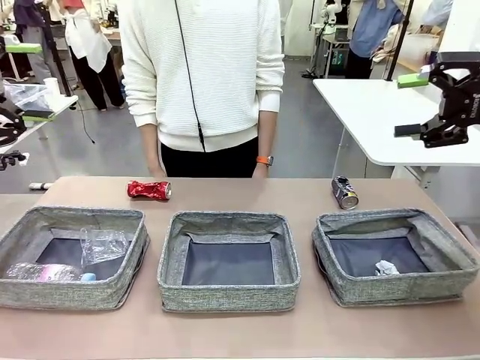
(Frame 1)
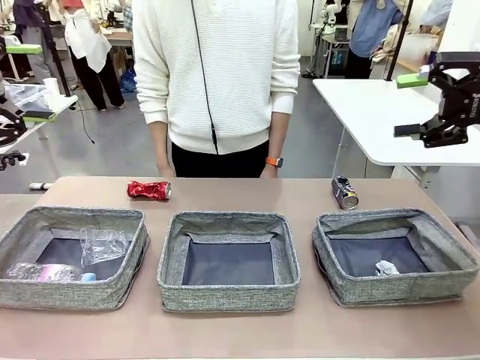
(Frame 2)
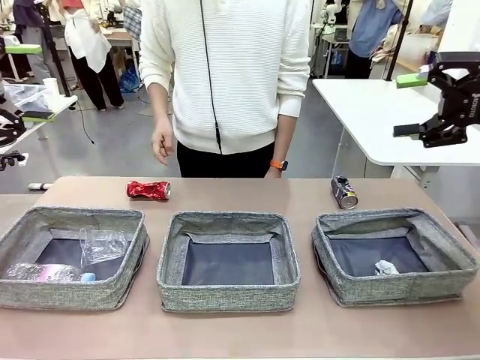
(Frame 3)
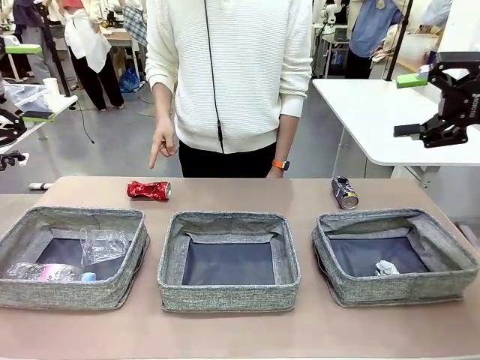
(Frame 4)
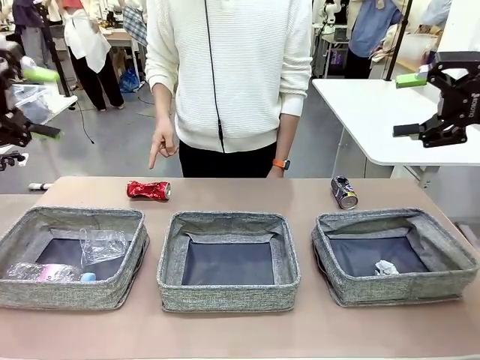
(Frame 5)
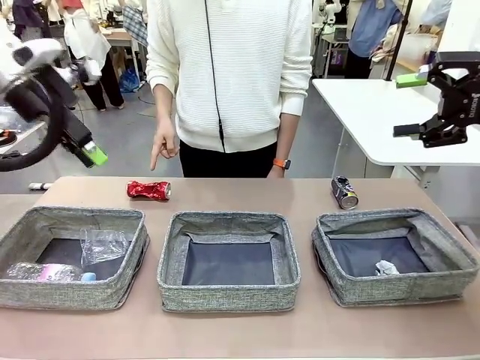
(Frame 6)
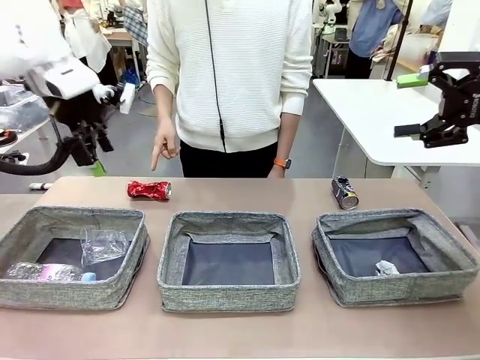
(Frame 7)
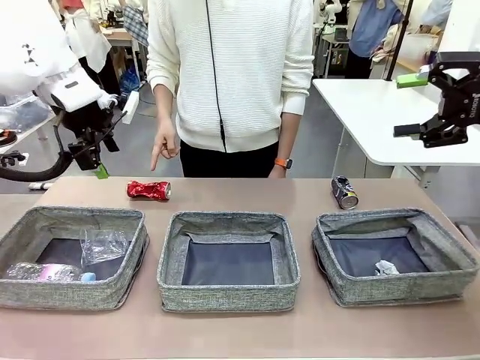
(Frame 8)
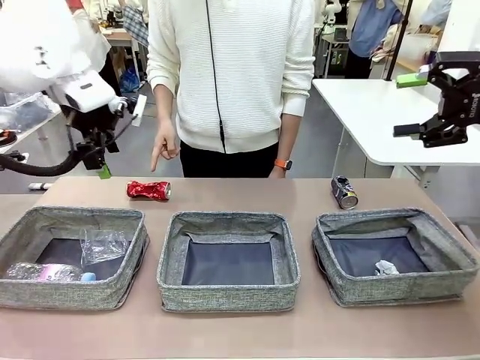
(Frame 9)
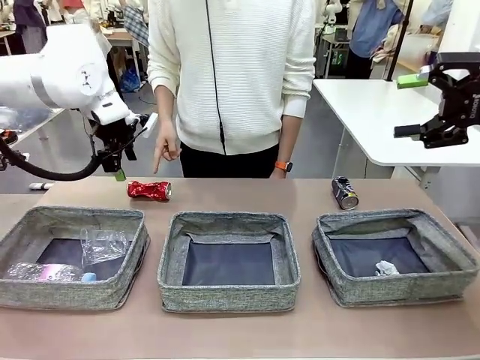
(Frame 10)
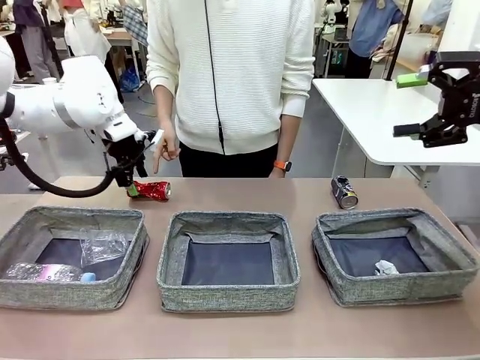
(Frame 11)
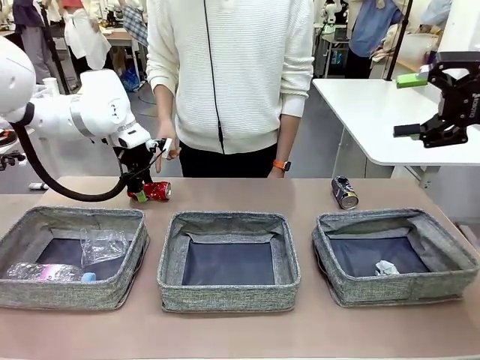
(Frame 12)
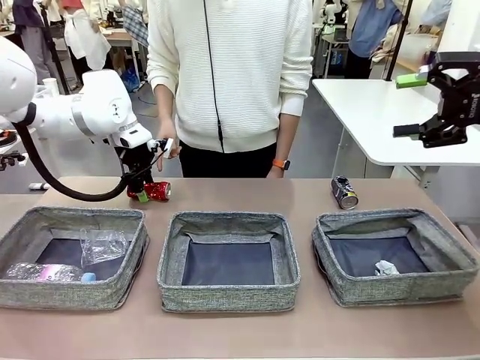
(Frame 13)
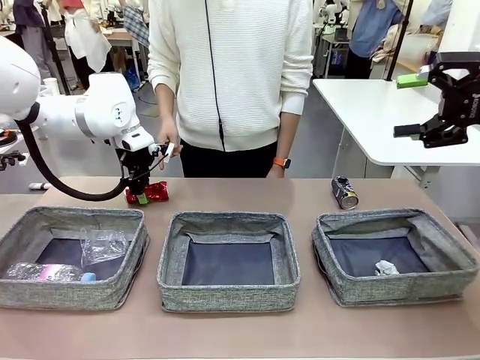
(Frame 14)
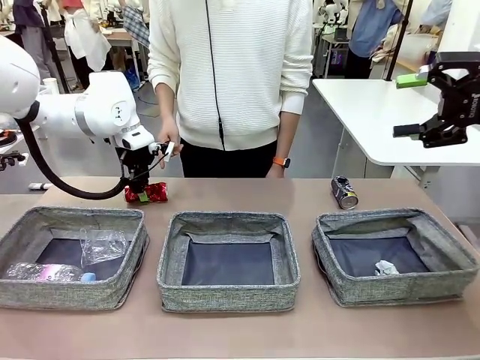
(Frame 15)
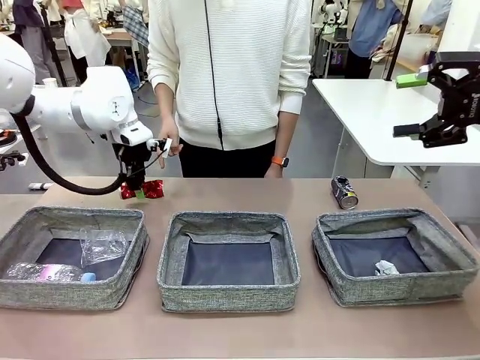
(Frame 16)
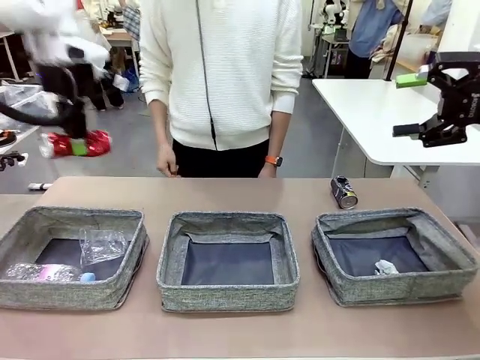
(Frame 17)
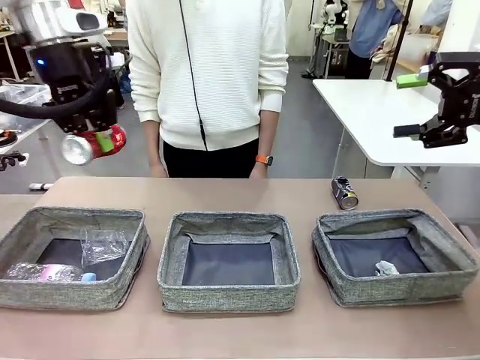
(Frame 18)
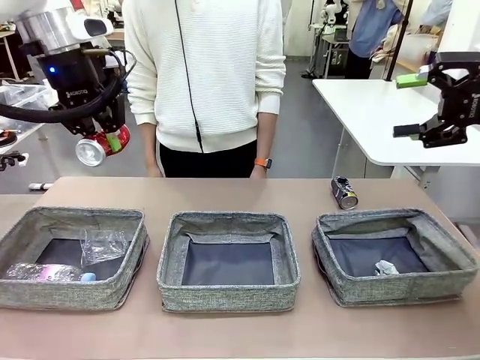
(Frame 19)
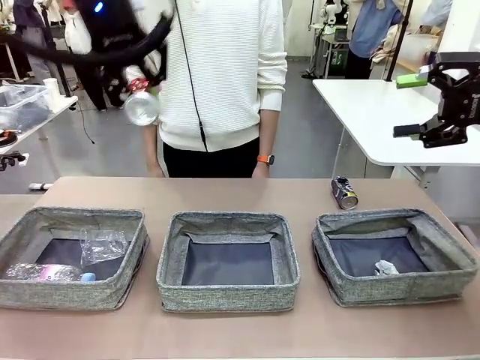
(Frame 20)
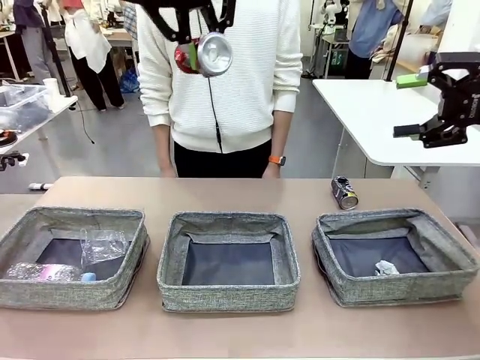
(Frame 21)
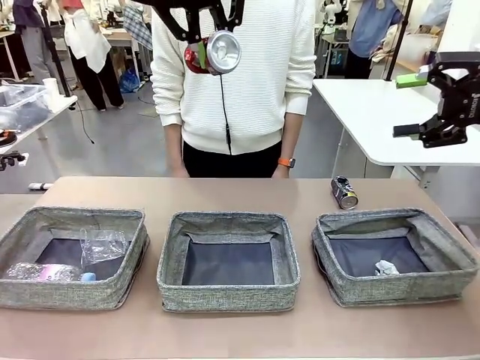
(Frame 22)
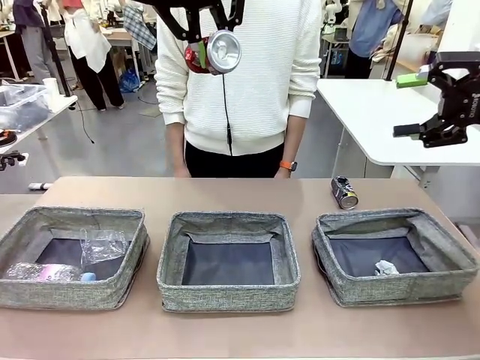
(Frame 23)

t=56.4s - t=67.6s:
Task: Sort the waste into the appropriate baskets.
Robot: Pick up the waste item pointed out by the person.
Person: Points to one piece of trash on the table.

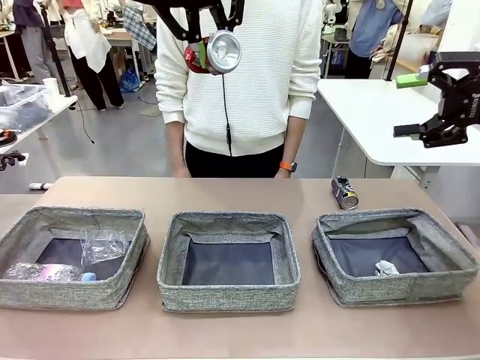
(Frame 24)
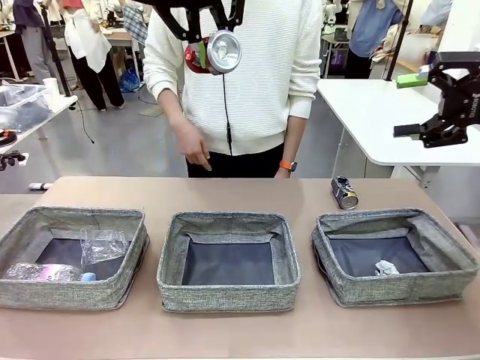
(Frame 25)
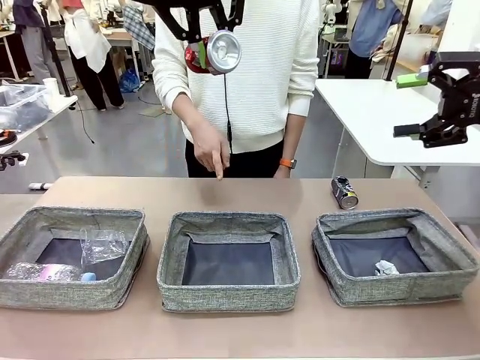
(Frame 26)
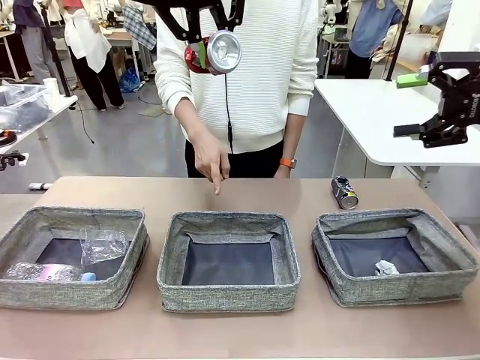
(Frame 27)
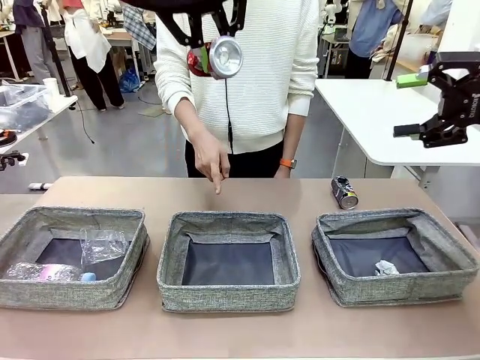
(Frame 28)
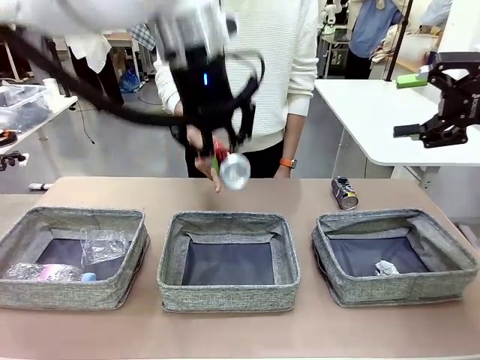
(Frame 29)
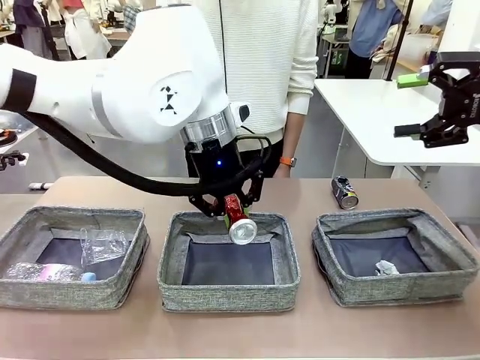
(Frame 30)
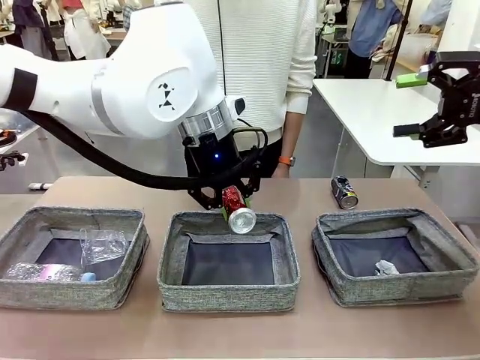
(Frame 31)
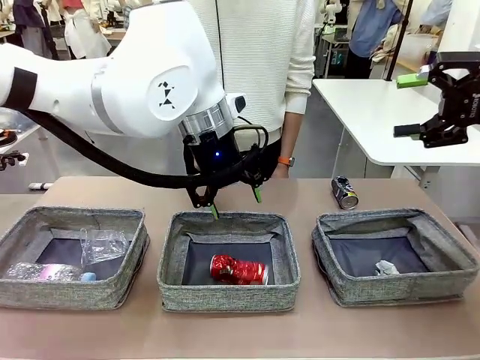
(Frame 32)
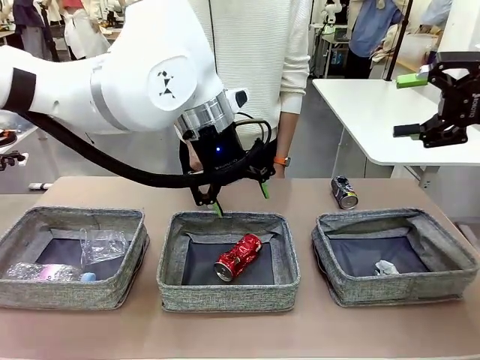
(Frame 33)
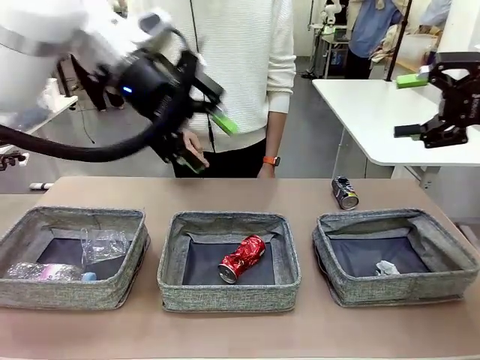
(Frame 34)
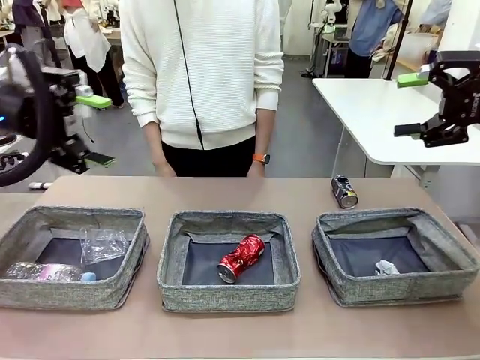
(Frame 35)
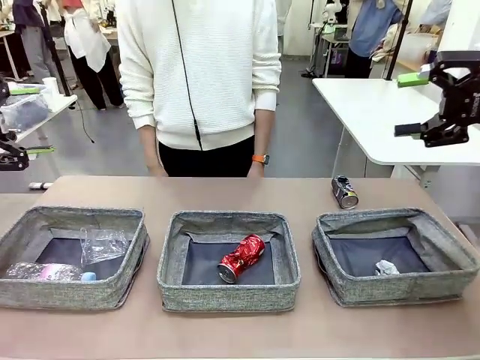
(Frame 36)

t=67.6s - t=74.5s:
Robot: Place the picked waste into the Fabric basket indicated by the person.
Person: Instructs the robot to place the picked-up trash into the appropriate organizing basket.

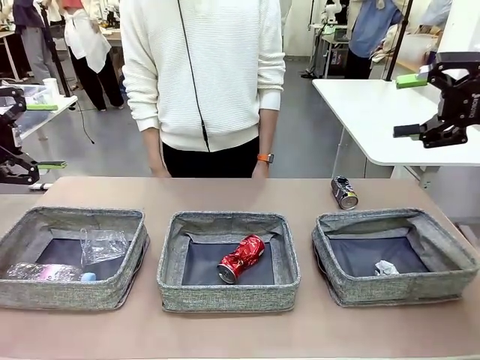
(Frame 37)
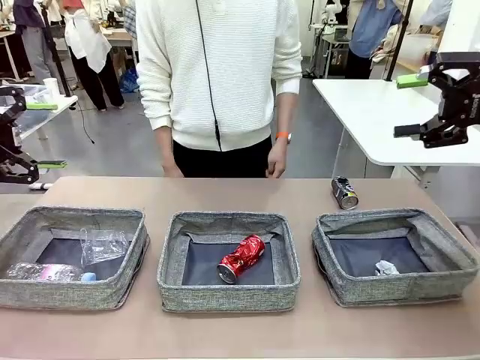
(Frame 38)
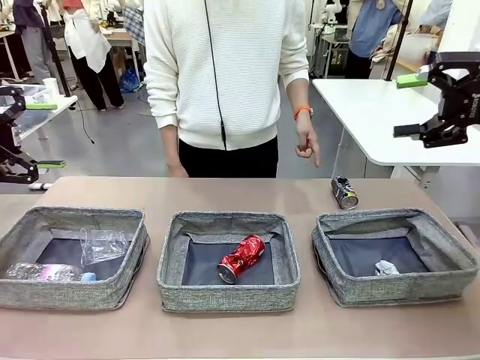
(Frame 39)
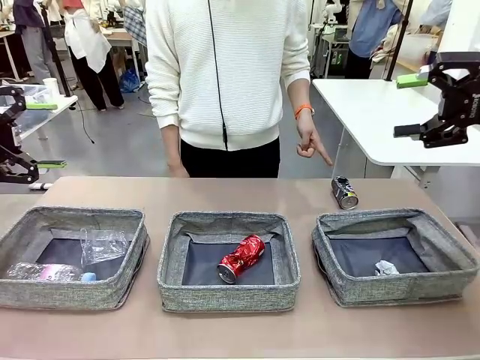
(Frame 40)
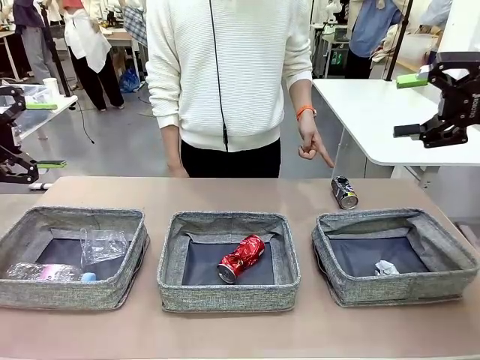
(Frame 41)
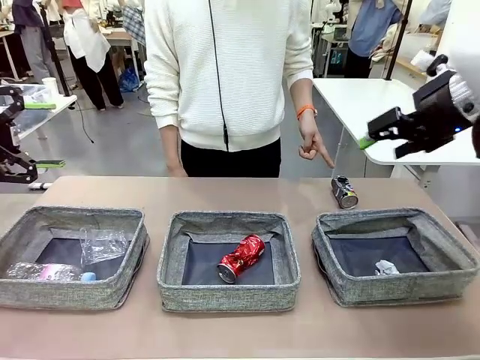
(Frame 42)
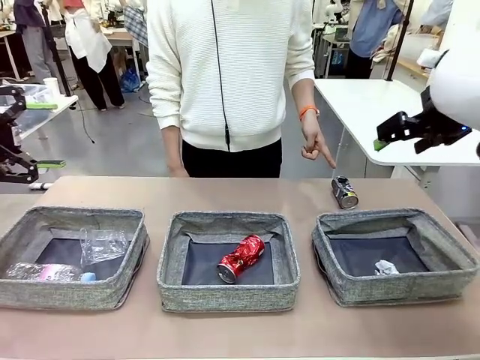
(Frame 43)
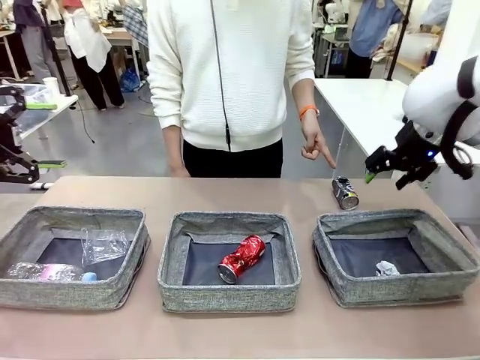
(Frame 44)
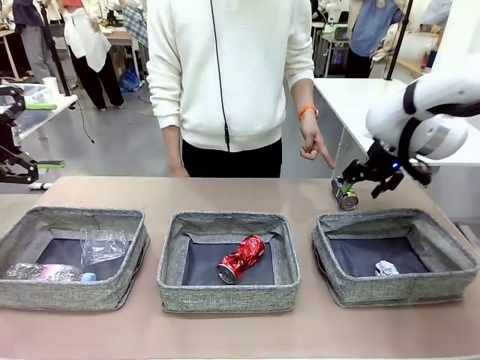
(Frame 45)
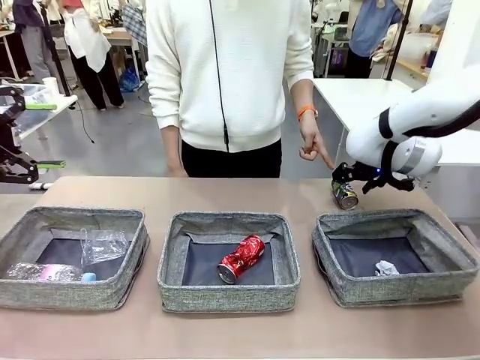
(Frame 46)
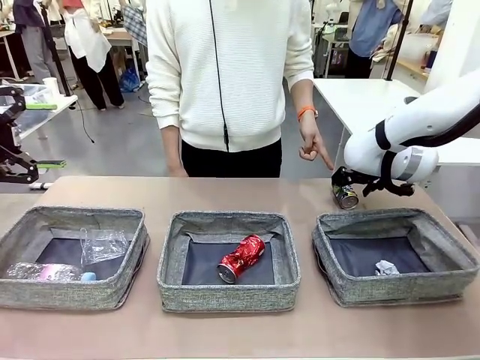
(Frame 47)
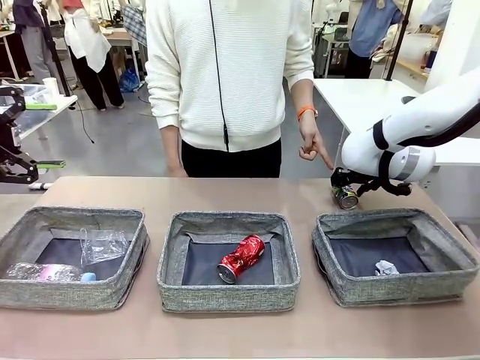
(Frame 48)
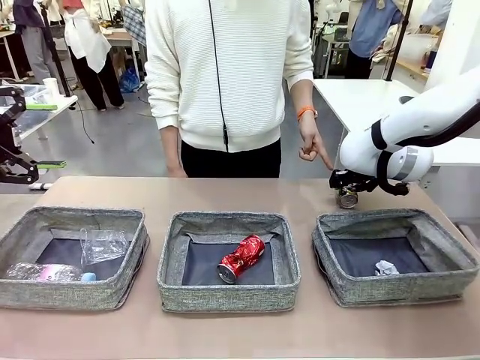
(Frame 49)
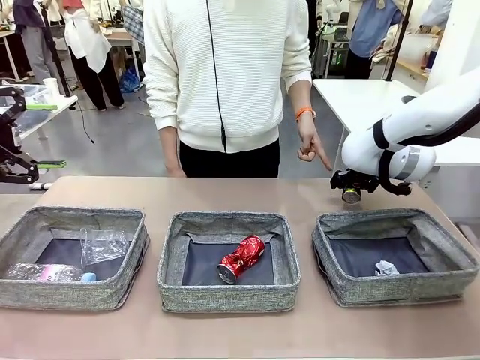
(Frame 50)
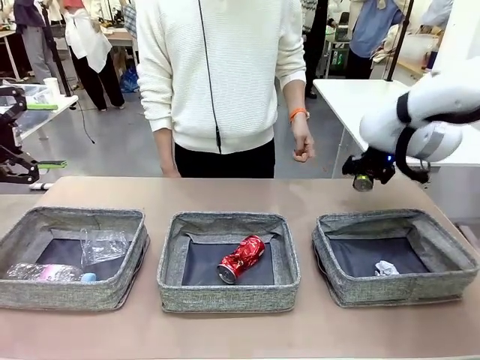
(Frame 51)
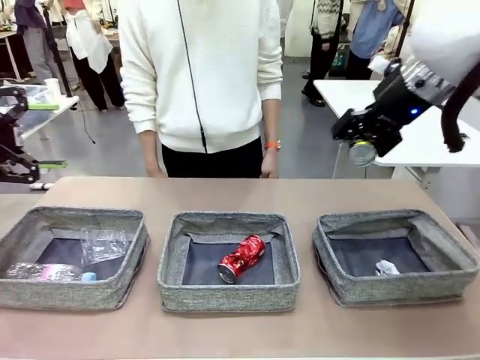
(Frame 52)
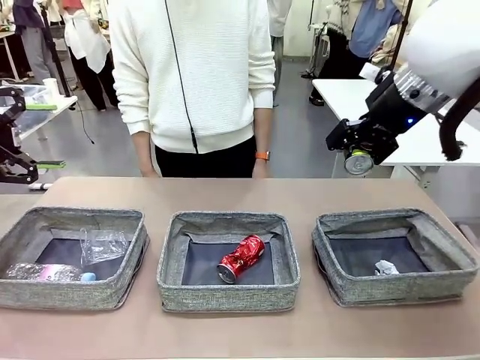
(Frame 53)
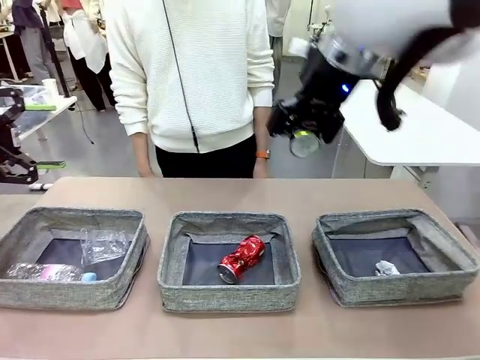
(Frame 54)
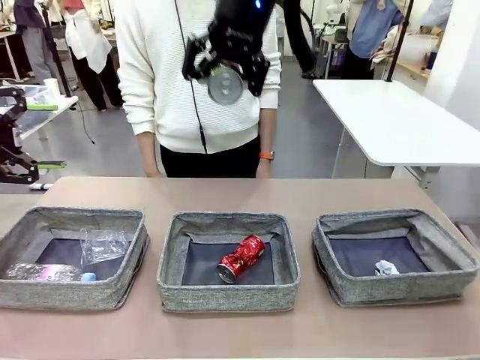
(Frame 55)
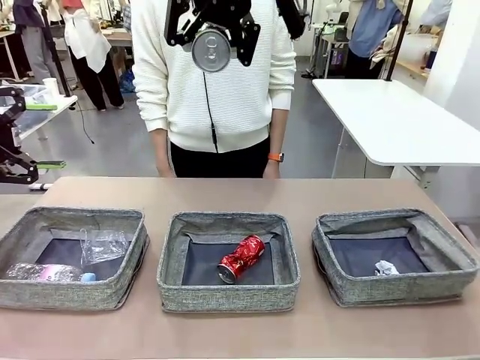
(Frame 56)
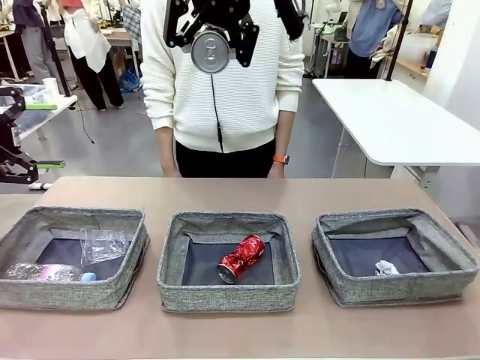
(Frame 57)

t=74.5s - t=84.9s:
Robot: Pick up the waste item pointed out by the person.
Person: Points to one piece of trash on the table.
